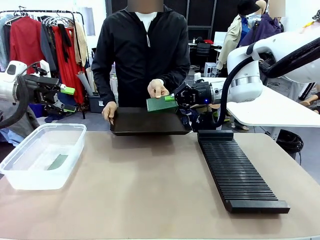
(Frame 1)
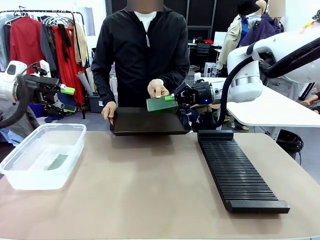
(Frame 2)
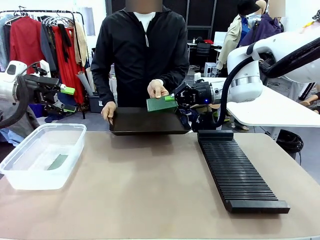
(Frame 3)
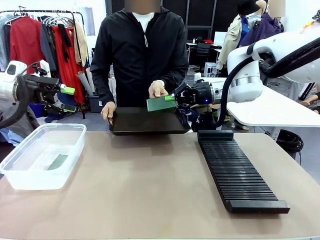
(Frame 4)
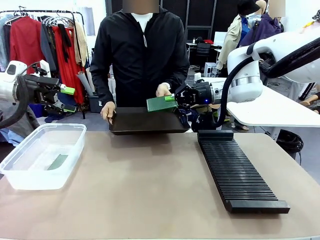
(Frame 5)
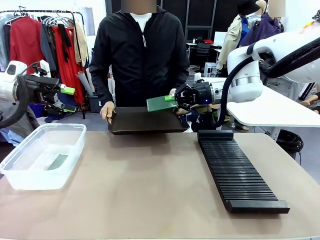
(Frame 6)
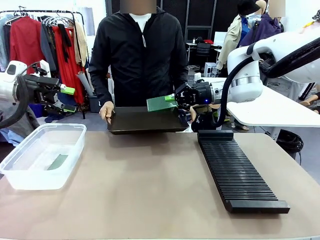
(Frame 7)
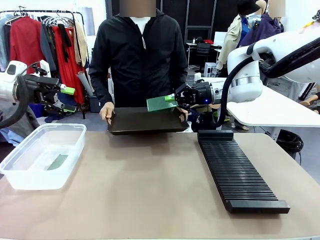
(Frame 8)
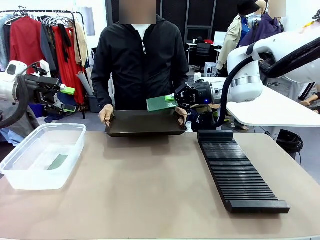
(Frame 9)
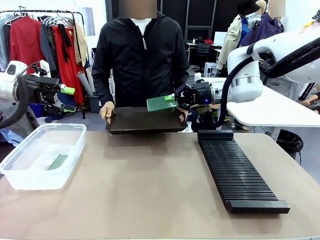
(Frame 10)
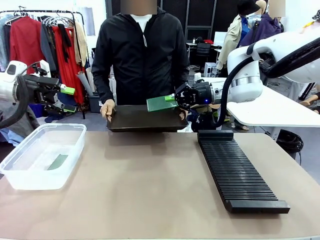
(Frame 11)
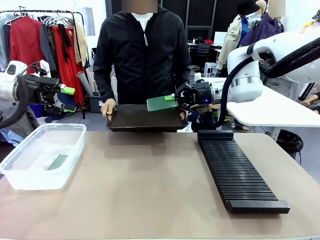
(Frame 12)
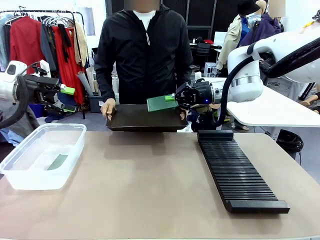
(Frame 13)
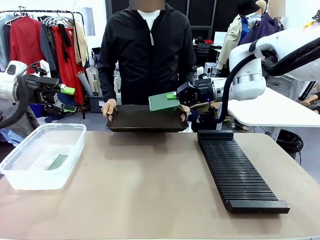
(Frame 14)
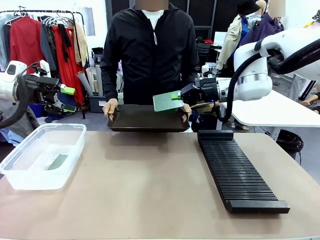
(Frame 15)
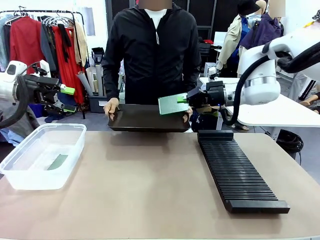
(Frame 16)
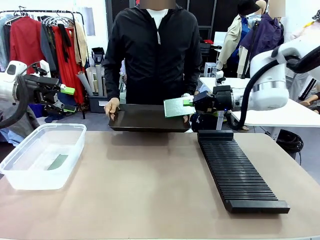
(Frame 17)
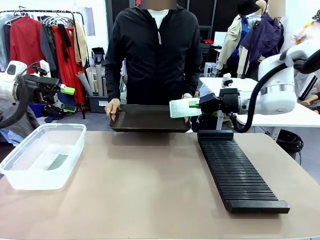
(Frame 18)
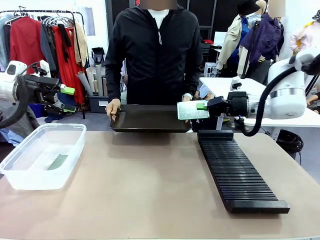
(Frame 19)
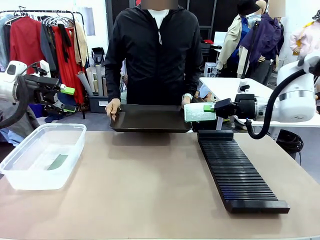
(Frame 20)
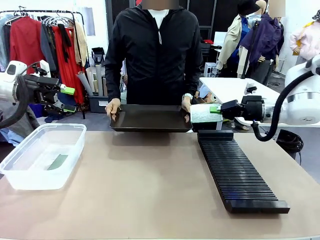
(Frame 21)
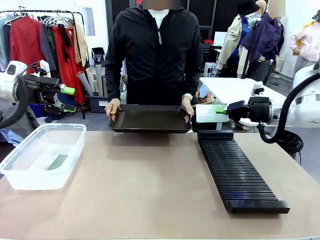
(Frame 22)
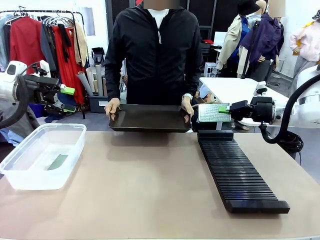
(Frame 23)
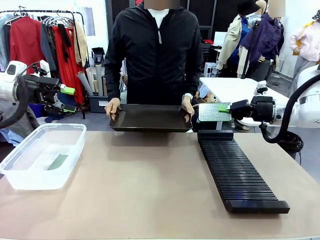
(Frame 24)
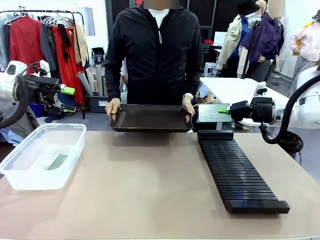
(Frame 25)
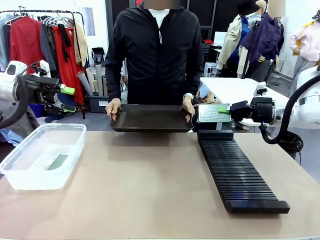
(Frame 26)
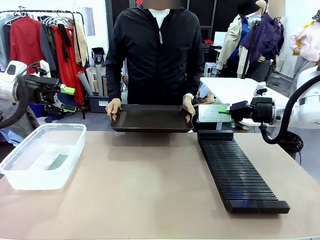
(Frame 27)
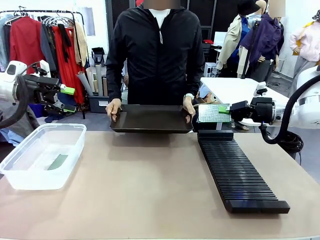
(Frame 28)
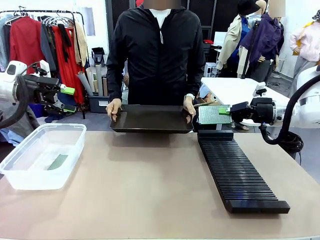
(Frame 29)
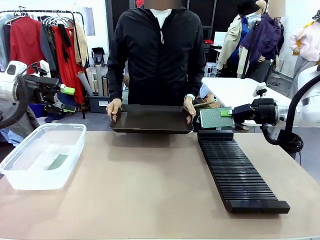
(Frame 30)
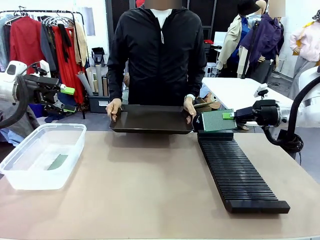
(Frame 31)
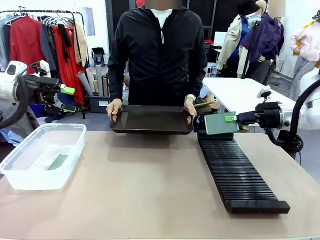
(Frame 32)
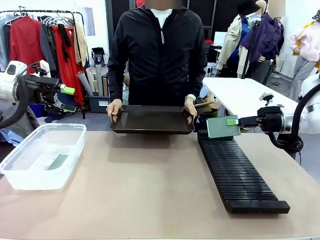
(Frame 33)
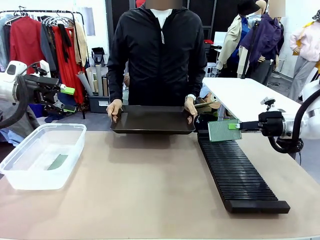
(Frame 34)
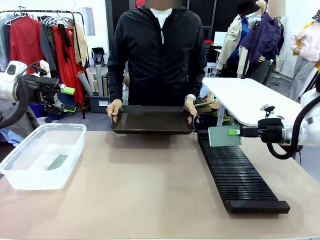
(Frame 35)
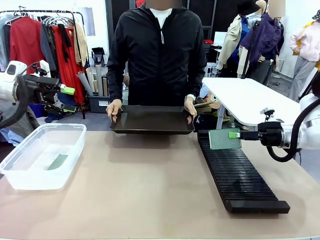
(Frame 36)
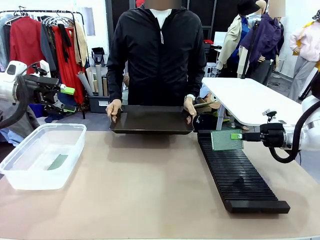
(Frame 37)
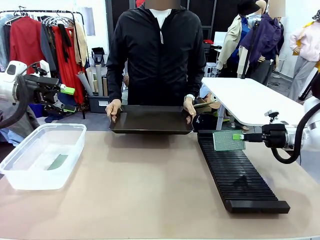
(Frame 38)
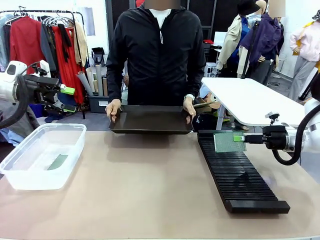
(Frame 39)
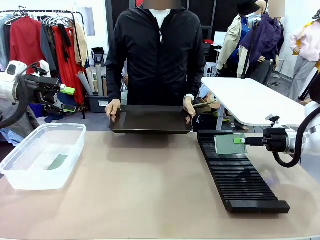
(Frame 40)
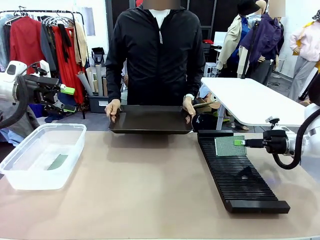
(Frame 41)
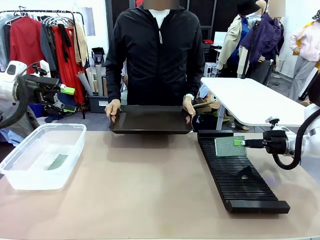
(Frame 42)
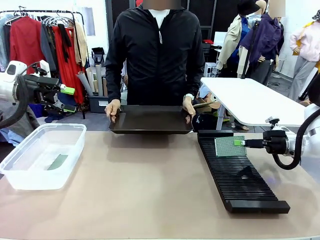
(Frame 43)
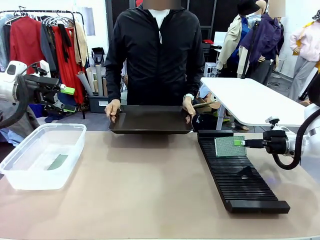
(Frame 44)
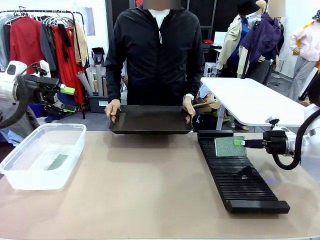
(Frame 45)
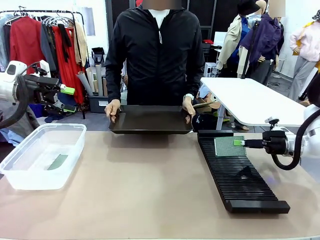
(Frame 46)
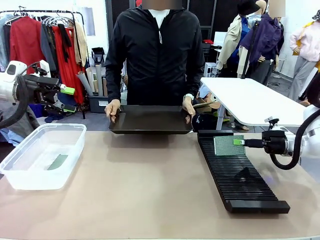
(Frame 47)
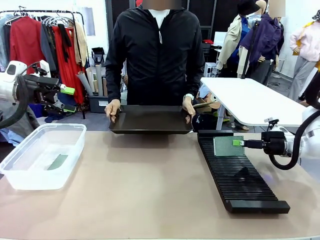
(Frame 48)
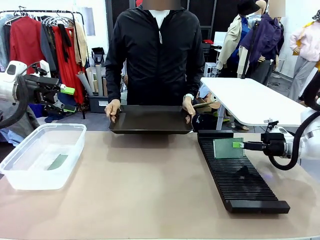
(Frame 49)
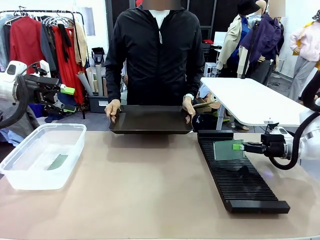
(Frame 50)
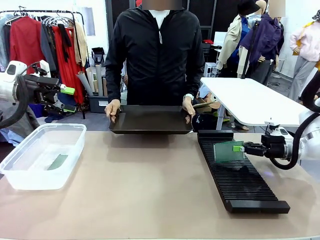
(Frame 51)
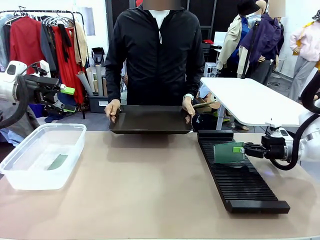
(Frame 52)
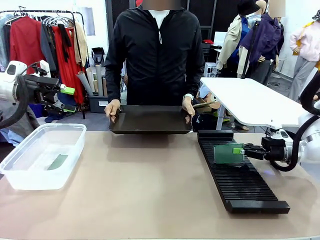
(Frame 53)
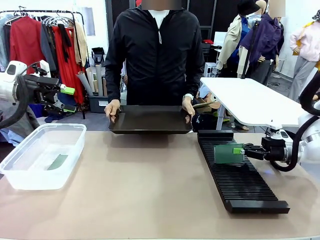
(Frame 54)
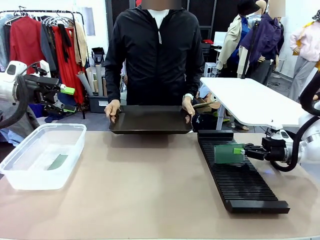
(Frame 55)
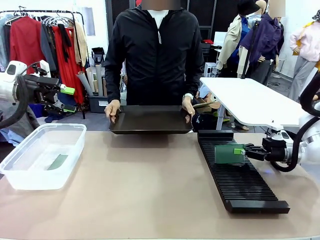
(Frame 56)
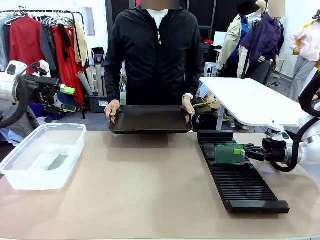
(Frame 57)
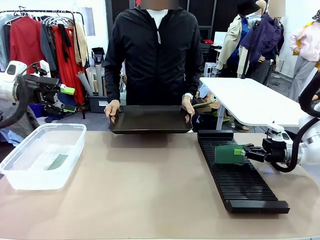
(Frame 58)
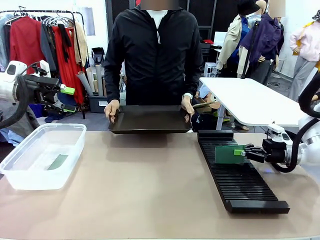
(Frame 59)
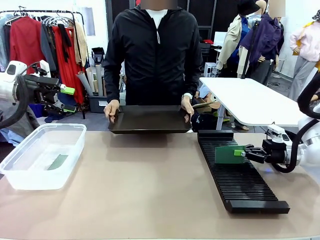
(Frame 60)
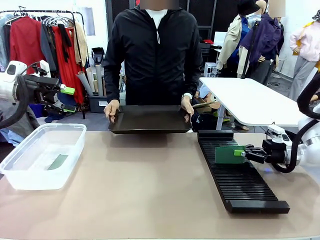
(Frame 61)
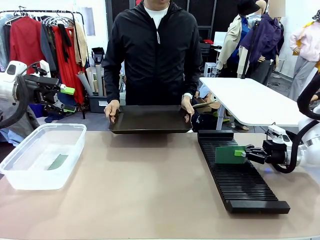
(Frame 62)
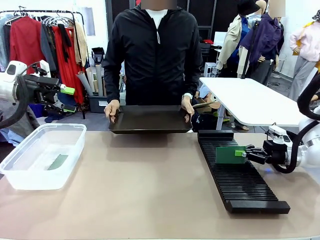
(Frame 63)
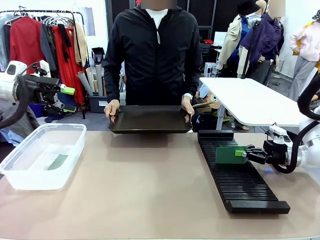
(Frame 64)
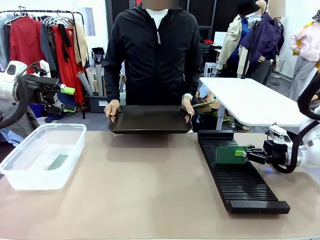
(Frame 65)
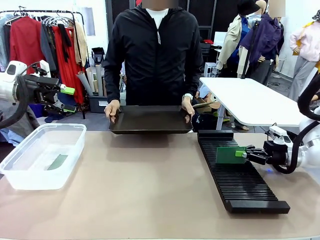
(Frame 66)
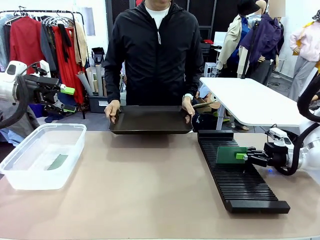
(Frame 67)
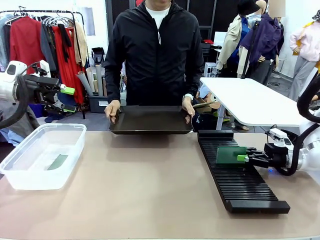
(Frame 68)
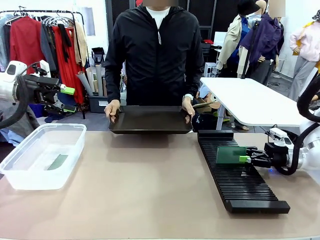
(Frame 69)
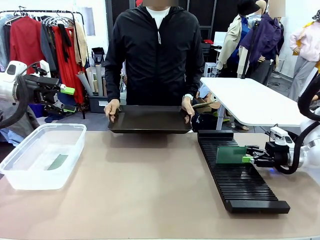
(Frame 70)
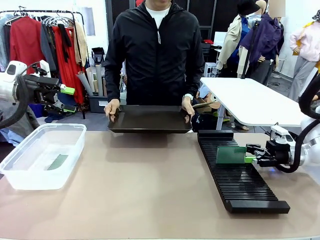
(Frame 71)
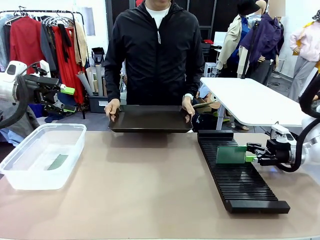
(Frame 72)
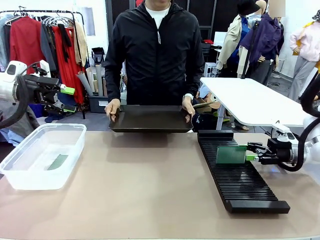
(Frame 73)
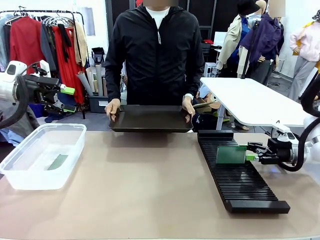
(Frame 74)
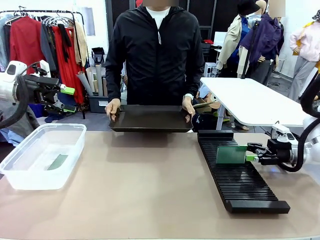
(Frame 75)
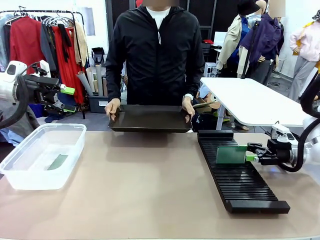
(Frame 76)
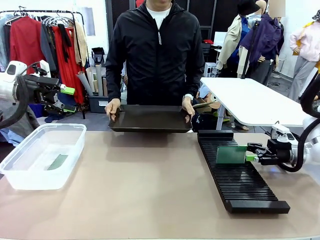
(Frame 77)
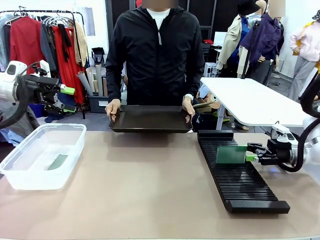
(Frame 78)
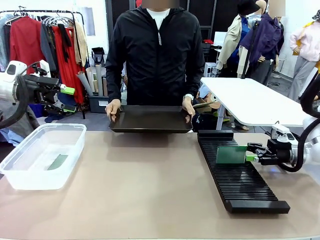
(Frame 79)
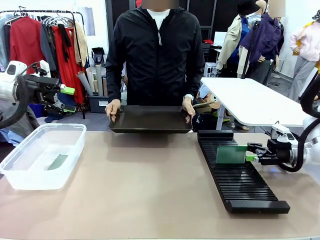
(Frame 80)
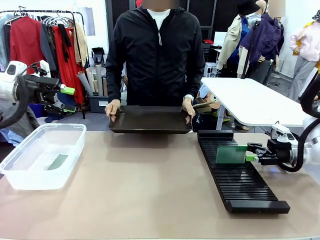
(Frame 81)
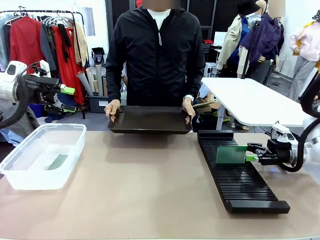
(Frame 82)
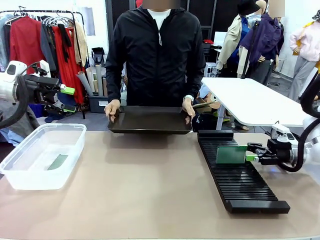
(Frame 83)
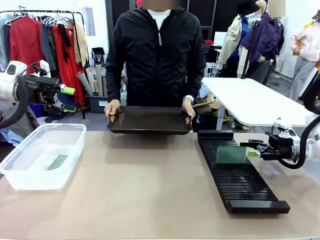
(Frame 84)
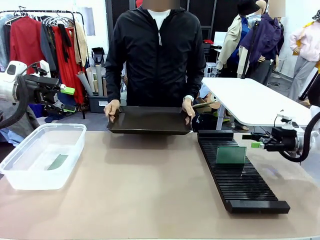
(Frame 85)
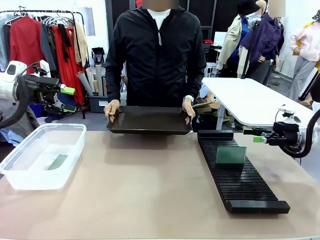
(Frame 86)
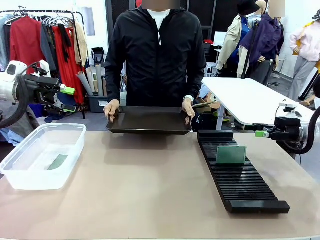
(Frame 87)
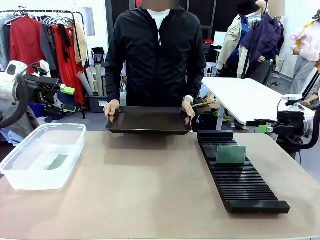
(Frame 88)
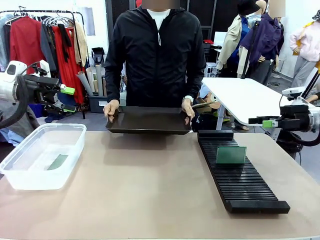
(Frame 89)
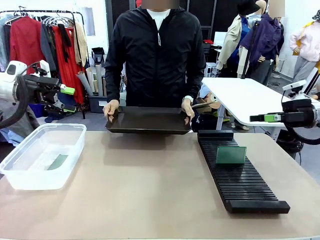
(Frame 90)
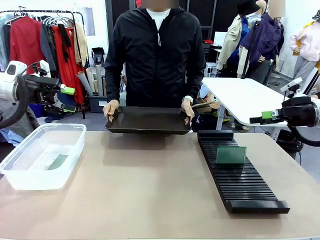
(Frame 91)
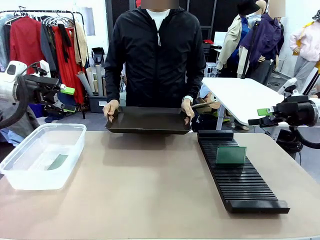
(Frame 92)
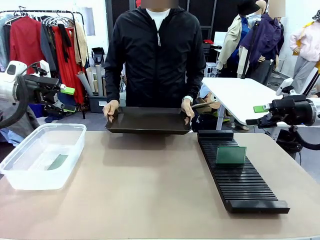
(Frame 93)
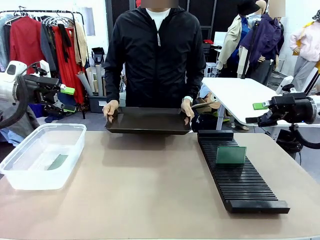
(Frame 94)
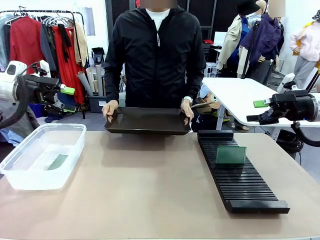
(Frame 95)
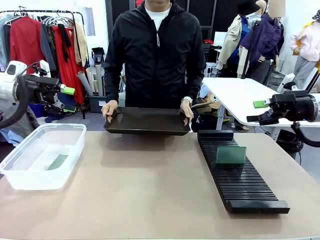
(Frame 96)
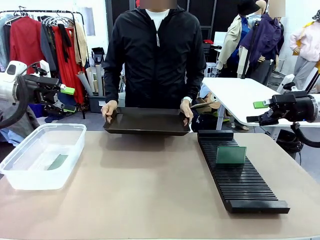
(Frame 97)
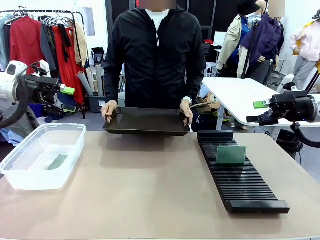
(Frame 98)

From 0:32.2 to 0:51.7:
Task: Sort PCBs into racks and boxes based on the side picked up.
Robot: If the short side of the Blank PCB is picked up, insert it into the PCB Rack ; if the long side is picked up, place it in the Organizing box.
Person: Release the PCB being held.
